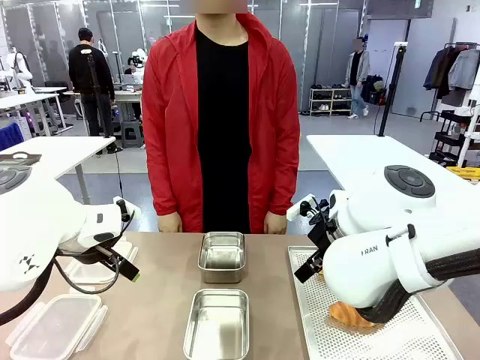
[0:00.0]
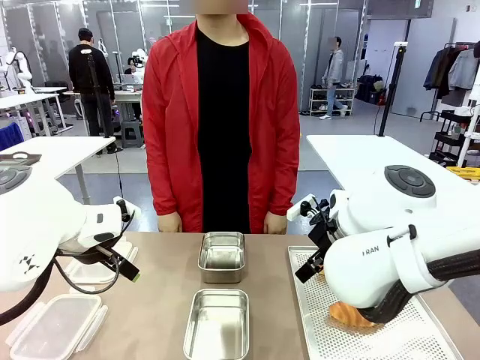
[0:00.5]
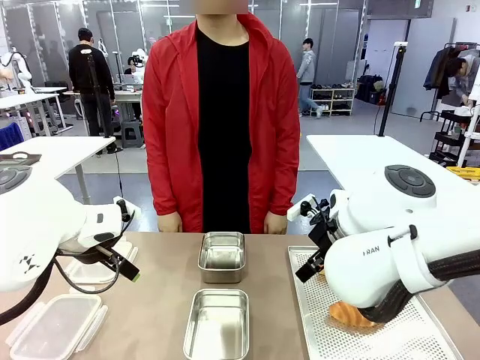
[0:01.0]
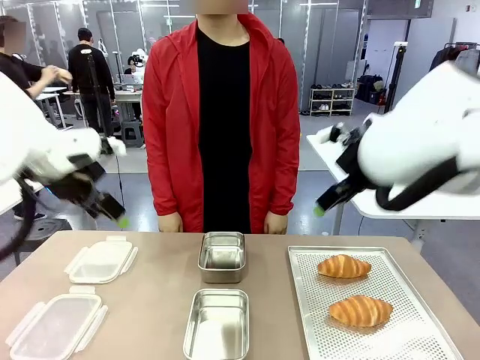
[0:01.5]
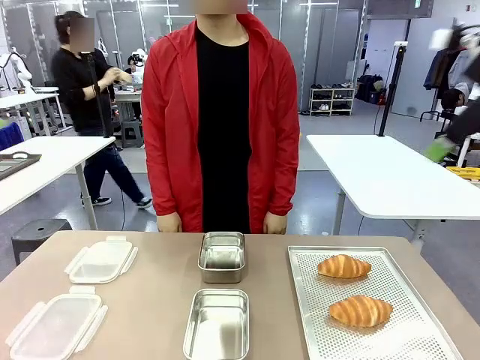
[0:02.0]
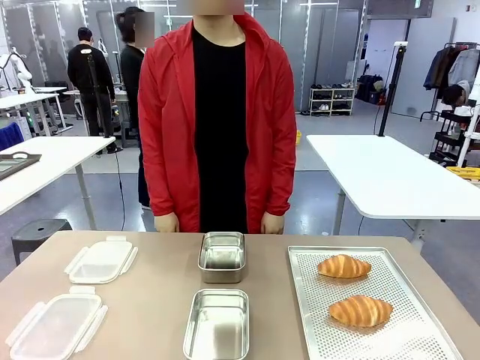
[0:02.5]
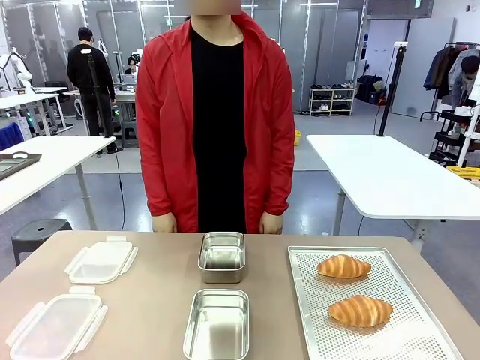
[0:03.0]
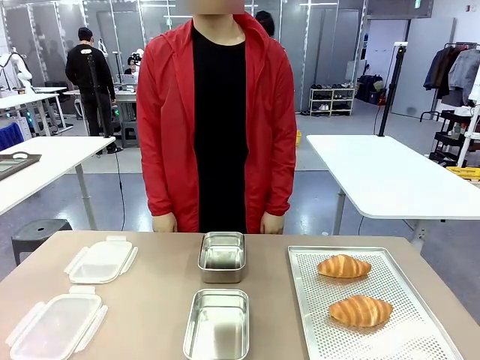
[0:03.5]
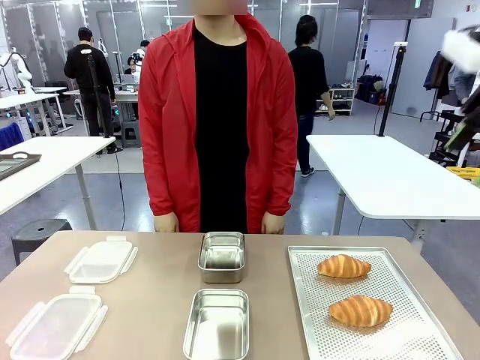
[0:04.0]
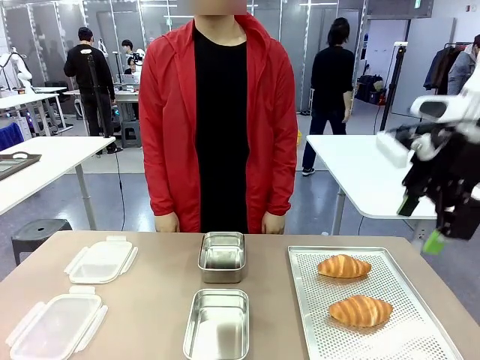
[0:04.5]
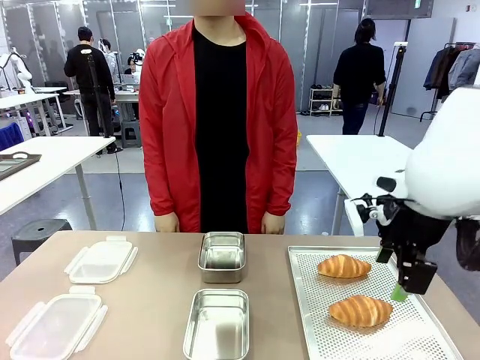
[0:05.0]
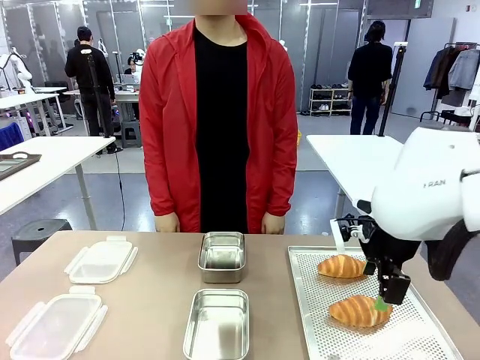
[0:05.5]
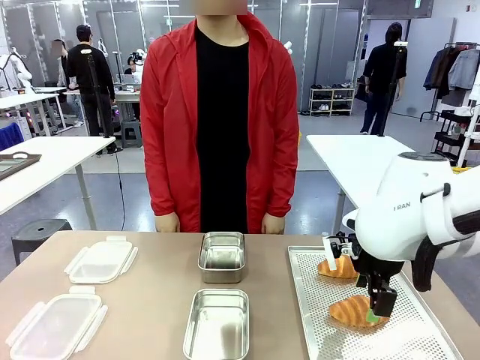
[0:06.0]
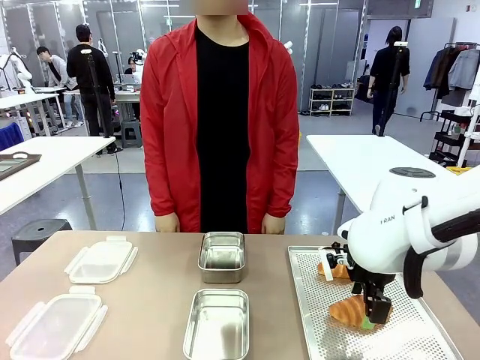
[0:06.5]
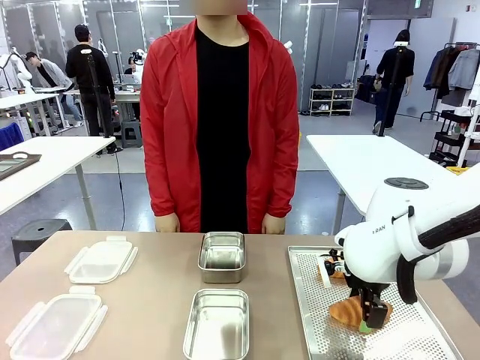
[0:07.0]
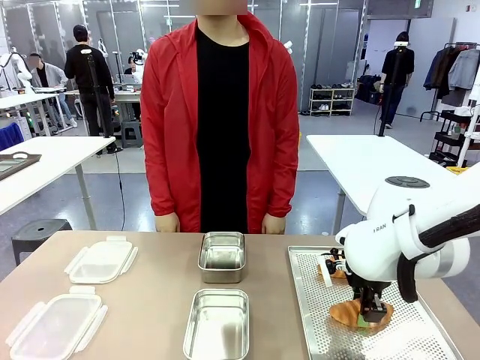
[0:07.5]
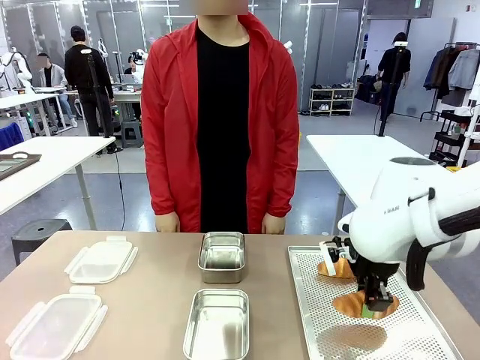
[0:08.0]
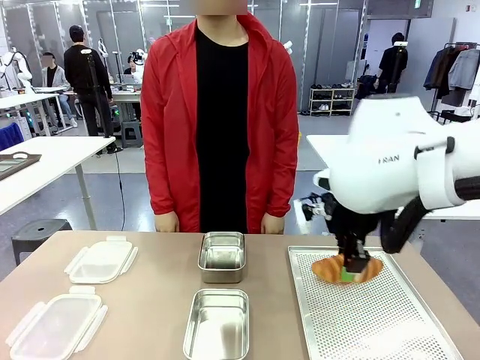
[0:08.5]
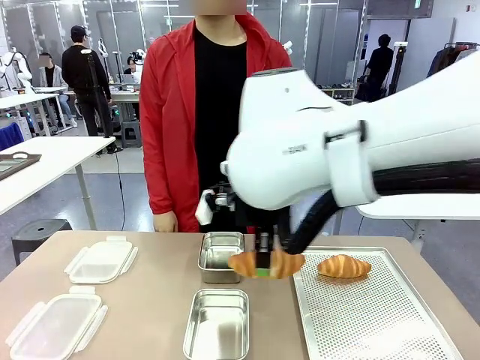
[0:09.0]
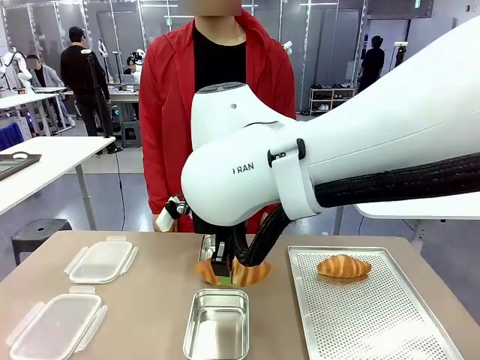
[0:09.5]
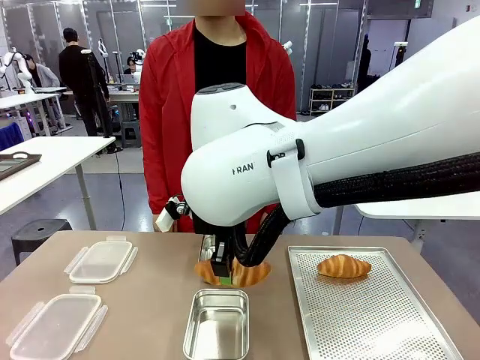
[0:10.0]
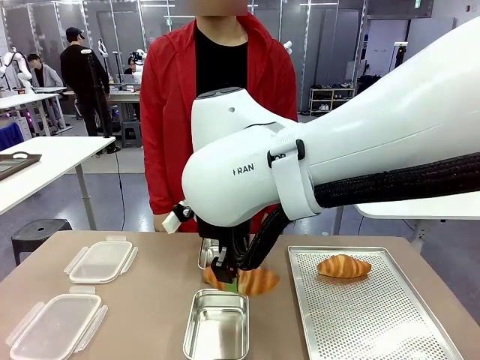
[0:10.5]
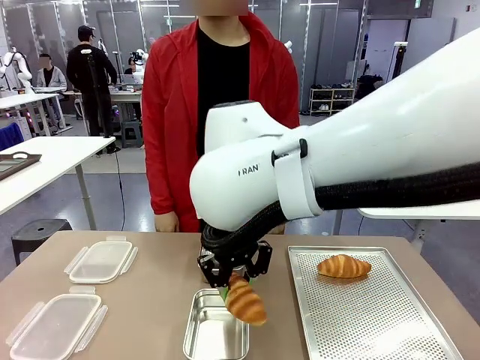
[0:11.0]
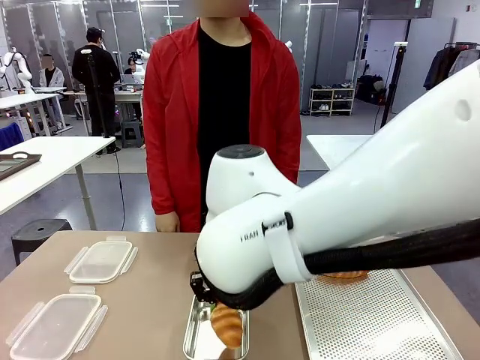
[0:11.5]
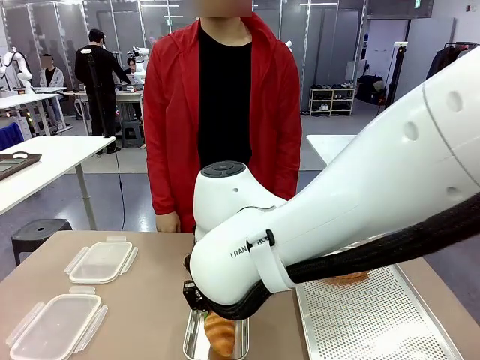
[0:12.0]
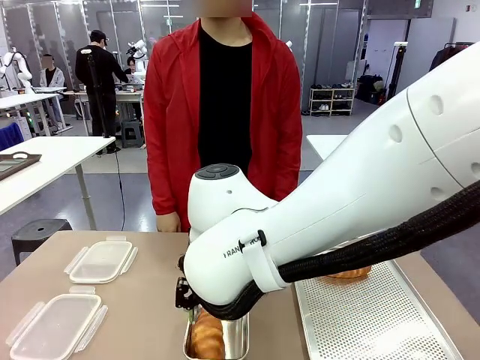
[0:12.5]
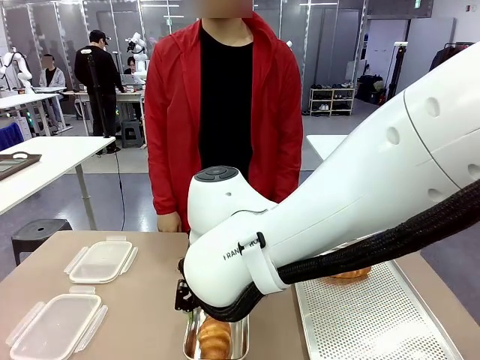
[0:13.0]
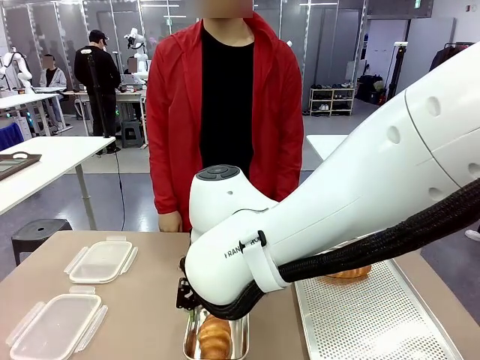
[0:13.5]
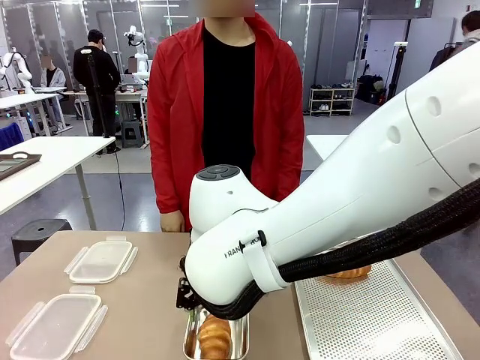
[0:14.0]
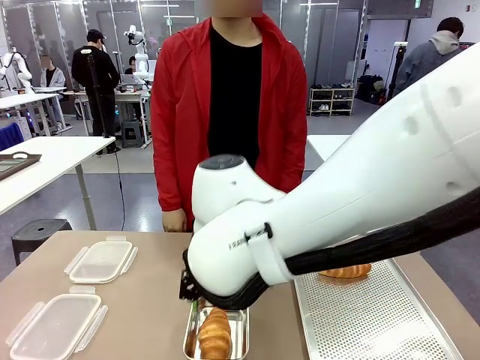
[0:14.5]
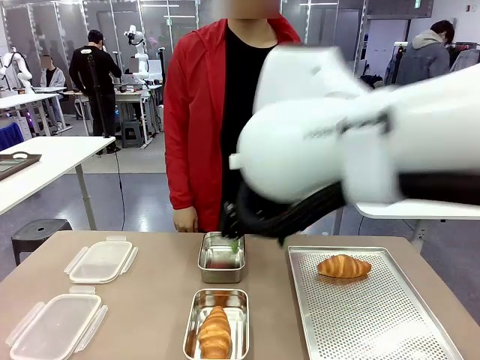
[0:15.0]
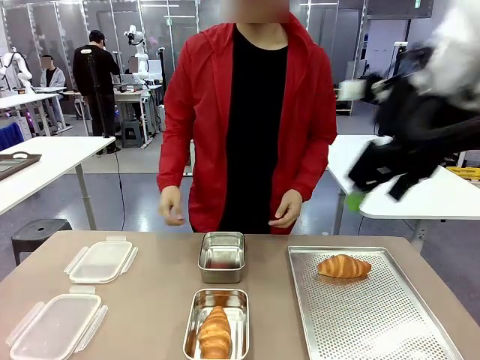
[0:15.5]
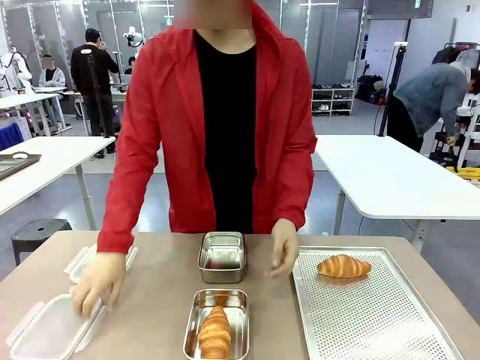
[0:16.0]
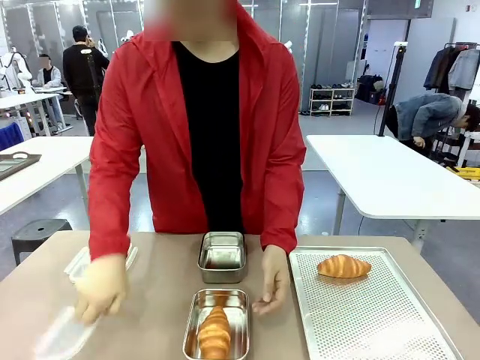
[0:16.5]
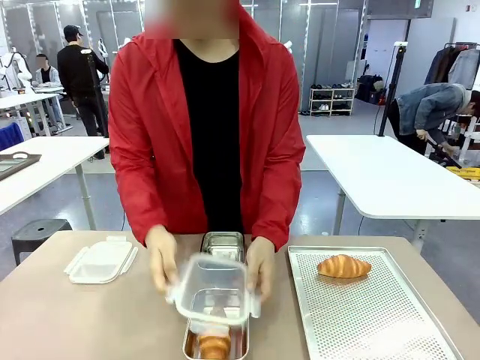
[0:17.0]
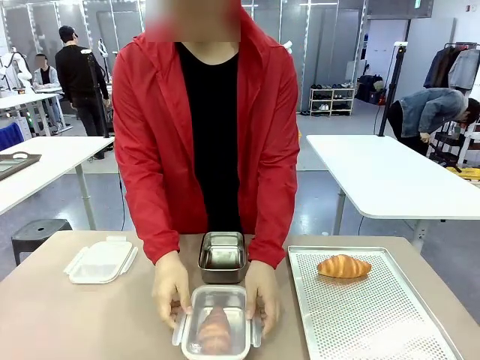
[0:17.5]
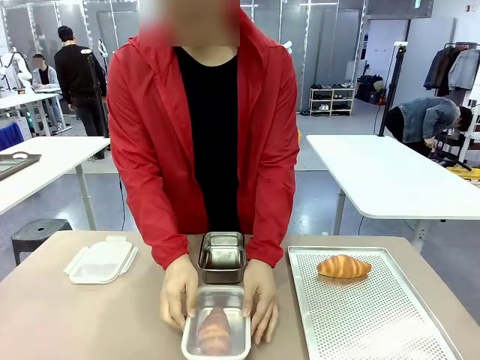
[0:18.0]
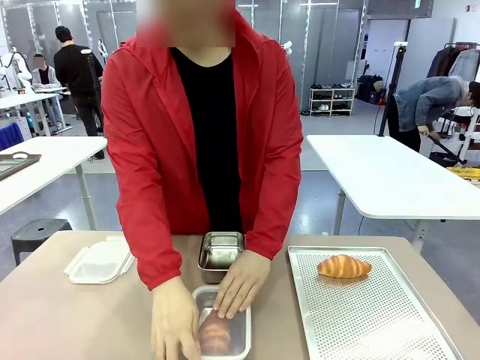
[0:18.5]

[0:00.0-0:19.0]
Task: Place the bread into the airtight container.
Robot: Pick up a Butter Roll and place it into an empty Airtight Container.
